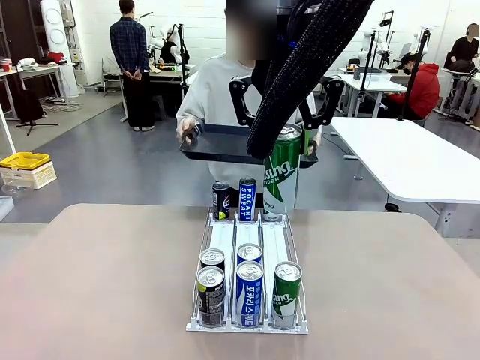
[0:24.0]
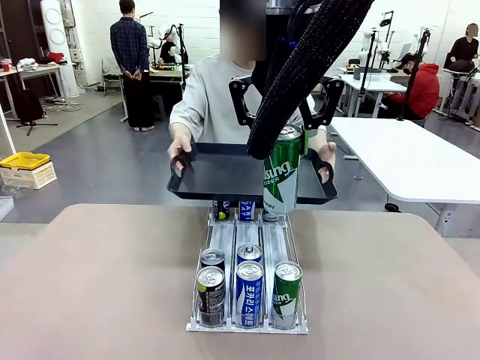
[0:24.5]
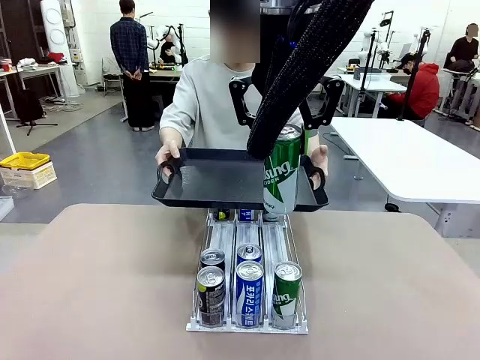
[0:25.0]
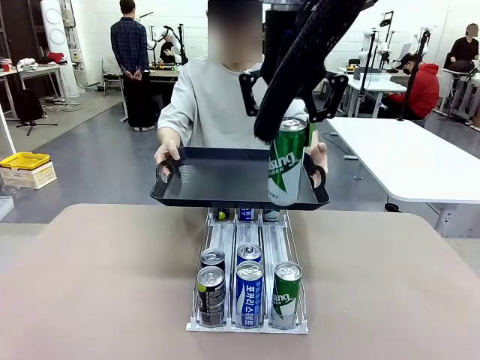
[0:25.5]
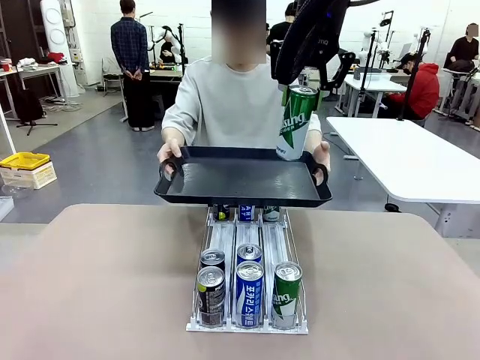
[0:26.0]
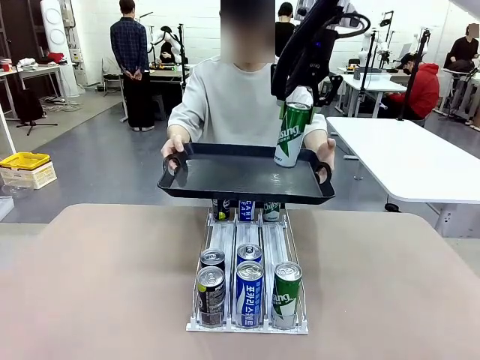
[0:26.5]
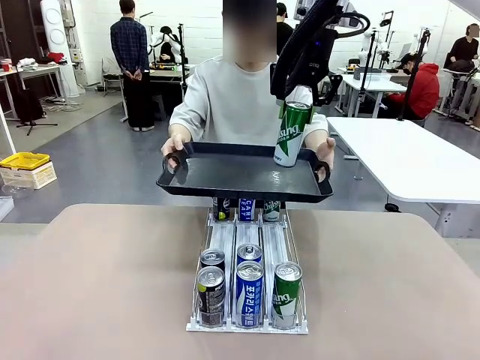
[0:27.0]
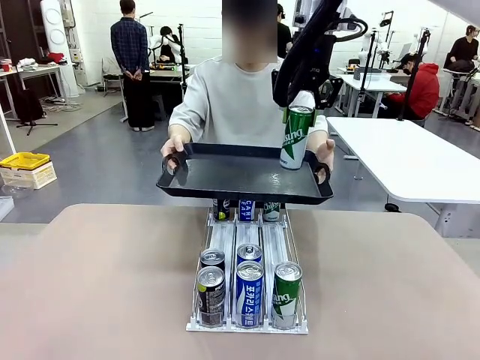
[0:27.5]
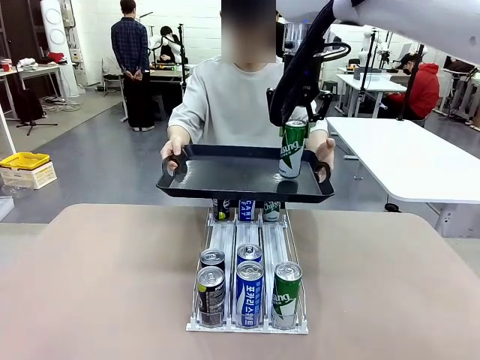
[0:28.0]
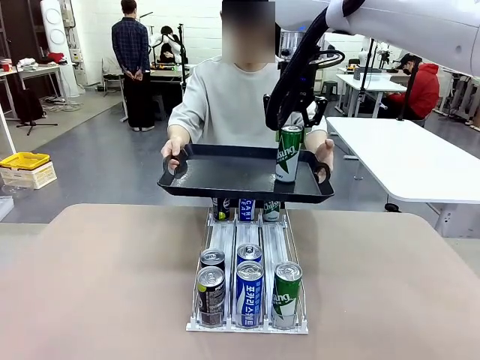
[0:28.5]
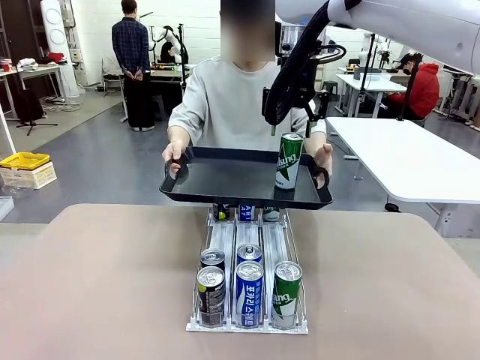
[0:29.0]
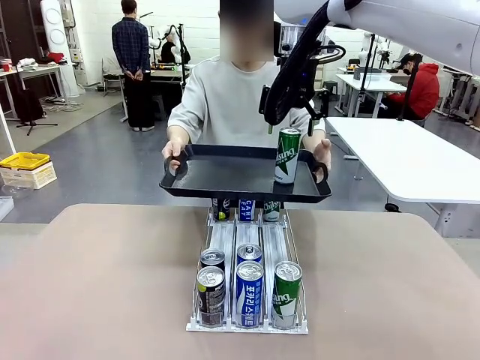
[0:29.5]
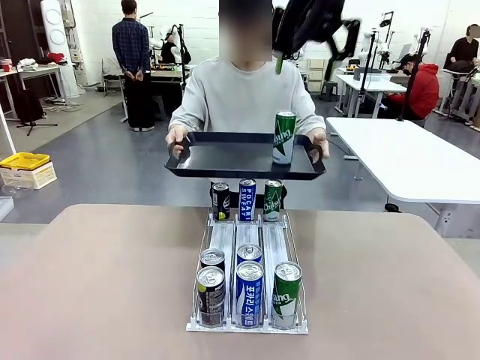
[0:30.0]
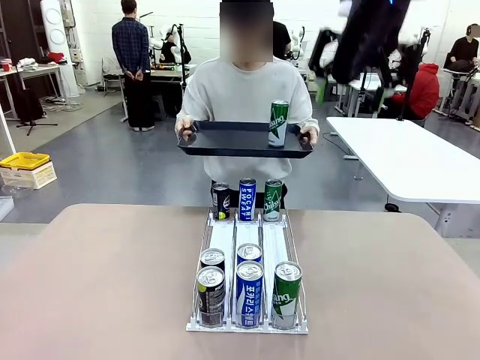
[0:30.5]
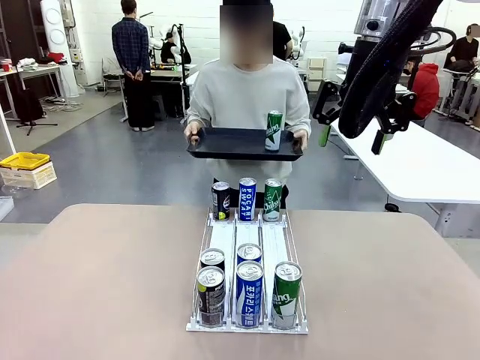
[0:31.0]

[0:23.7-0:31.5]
Task: Retrieve and hand over the desired beverage to the person.
Robot: Place the picked can on the Handle tray extended by the person.

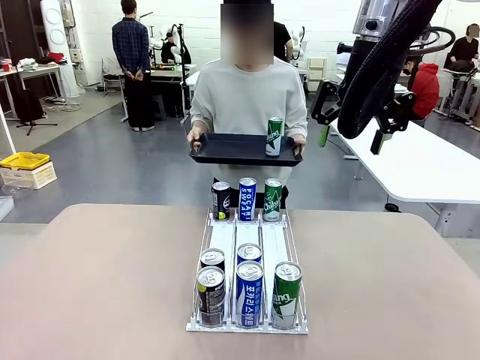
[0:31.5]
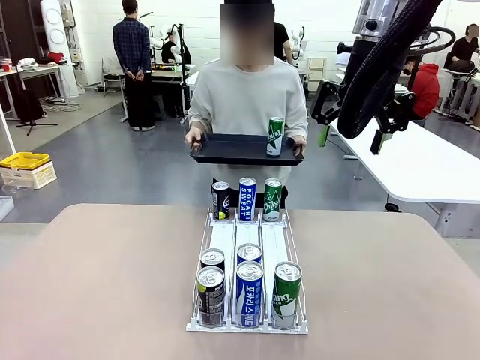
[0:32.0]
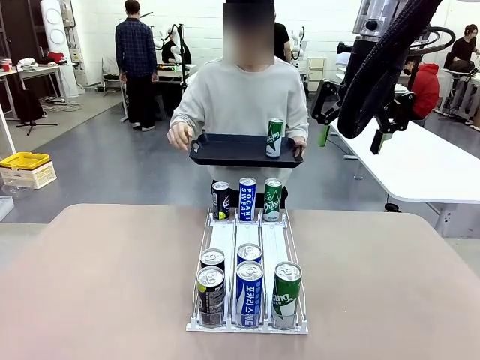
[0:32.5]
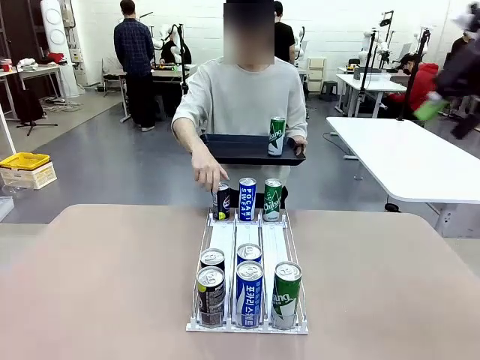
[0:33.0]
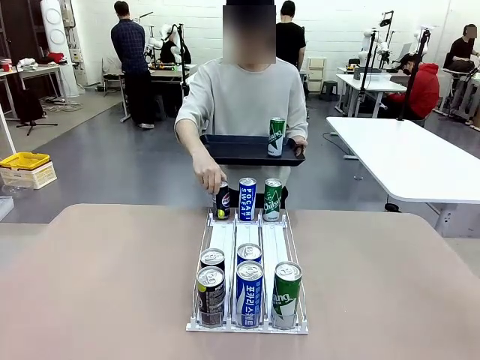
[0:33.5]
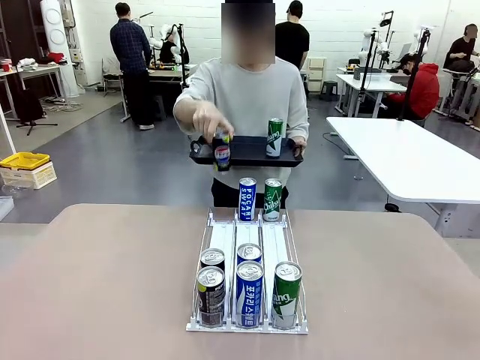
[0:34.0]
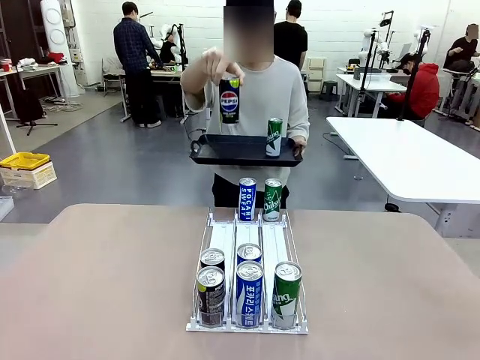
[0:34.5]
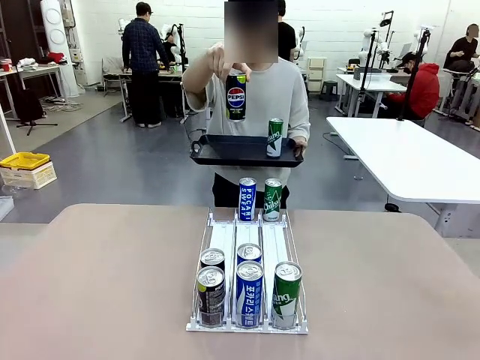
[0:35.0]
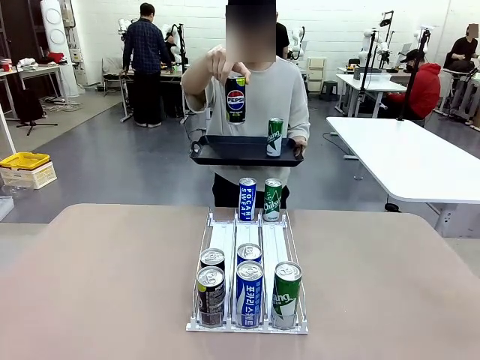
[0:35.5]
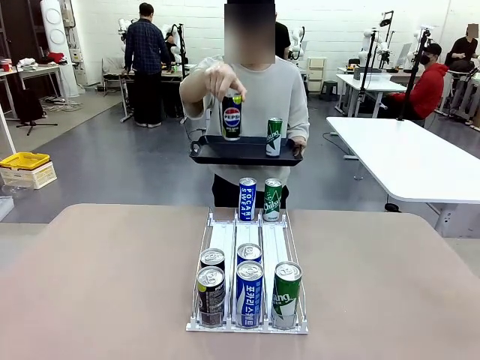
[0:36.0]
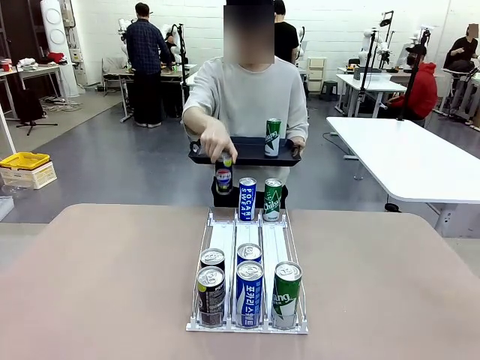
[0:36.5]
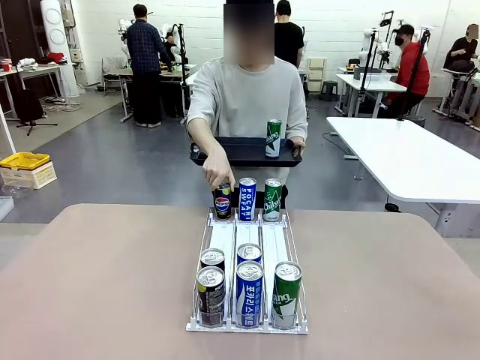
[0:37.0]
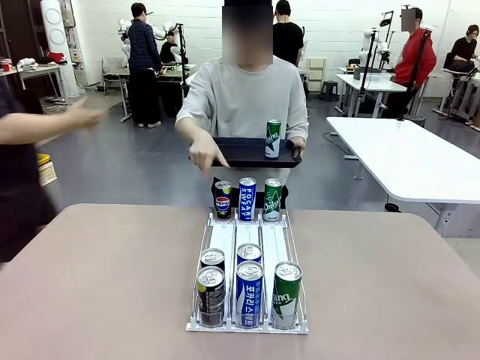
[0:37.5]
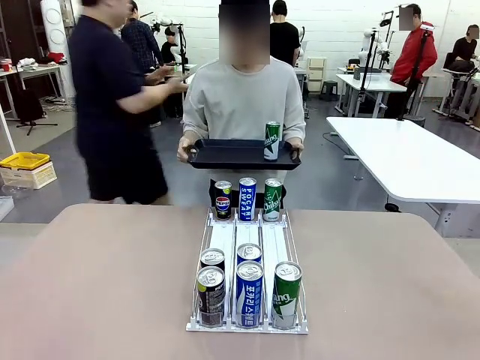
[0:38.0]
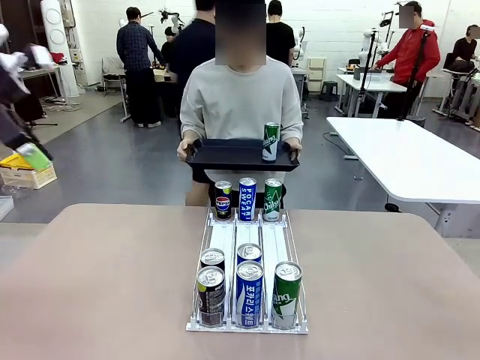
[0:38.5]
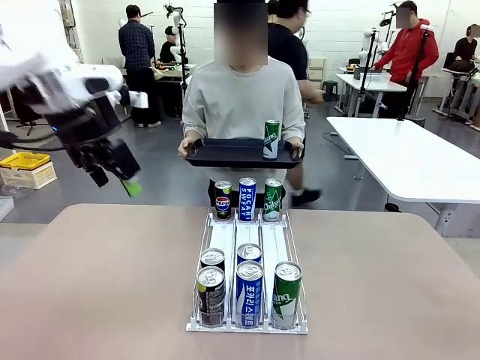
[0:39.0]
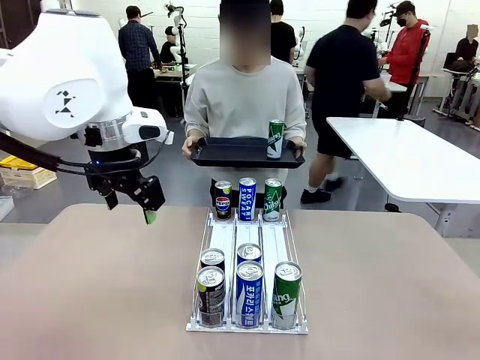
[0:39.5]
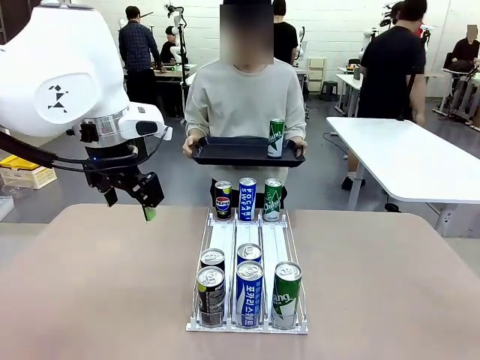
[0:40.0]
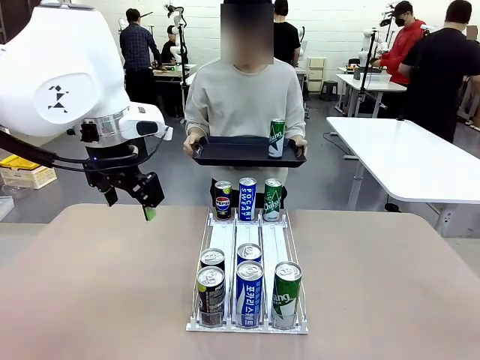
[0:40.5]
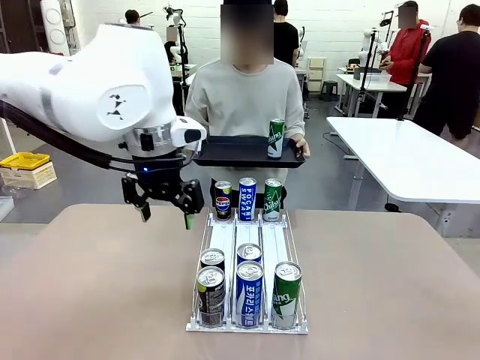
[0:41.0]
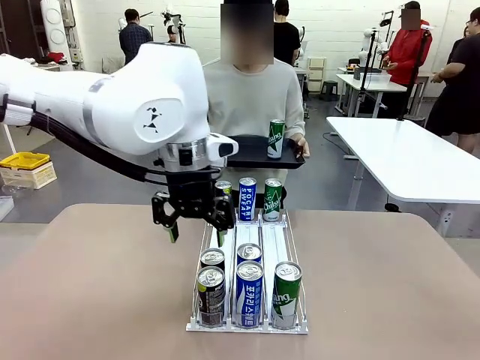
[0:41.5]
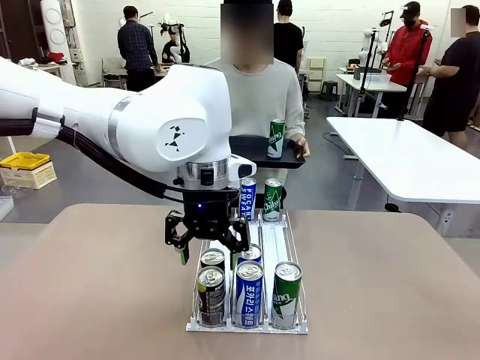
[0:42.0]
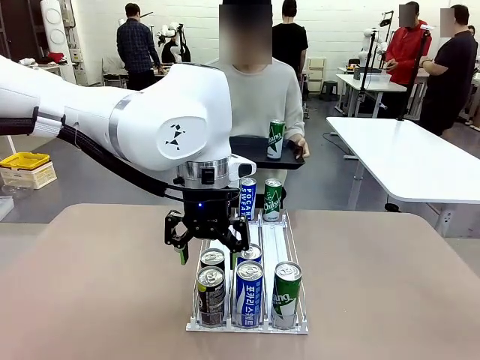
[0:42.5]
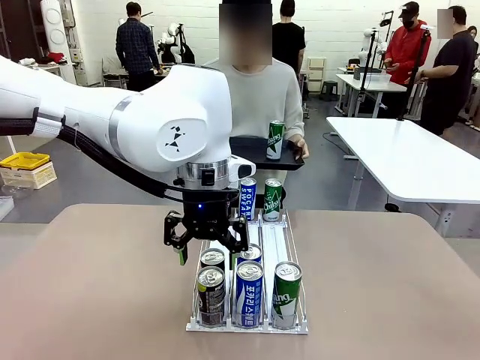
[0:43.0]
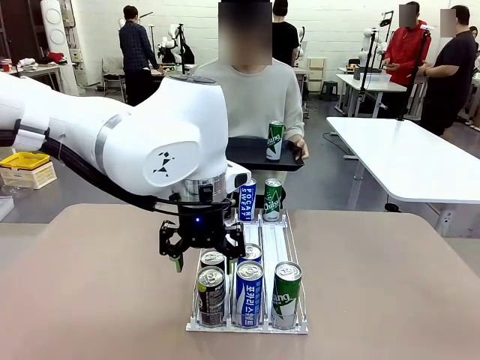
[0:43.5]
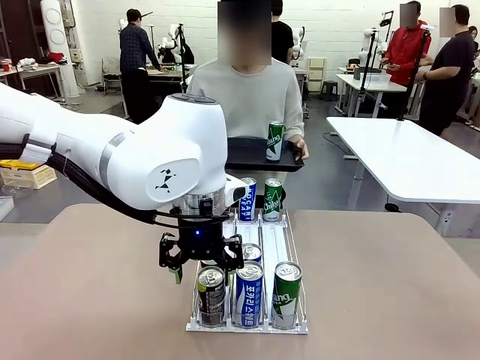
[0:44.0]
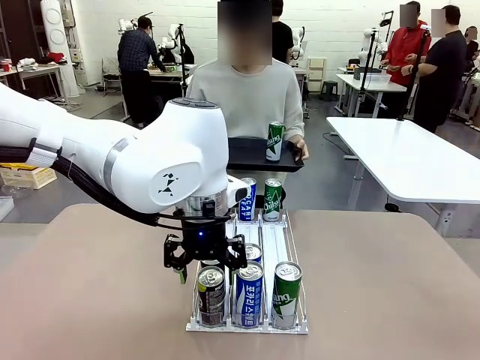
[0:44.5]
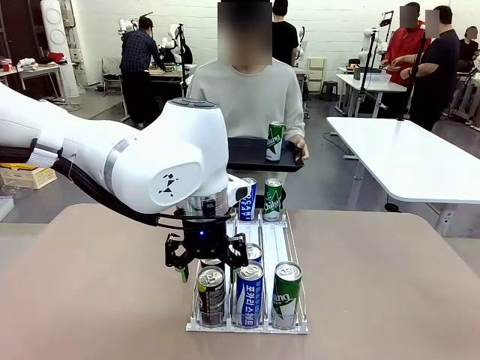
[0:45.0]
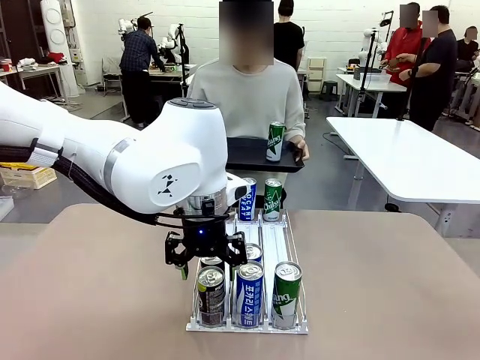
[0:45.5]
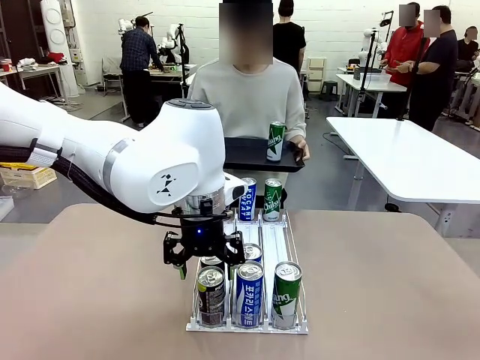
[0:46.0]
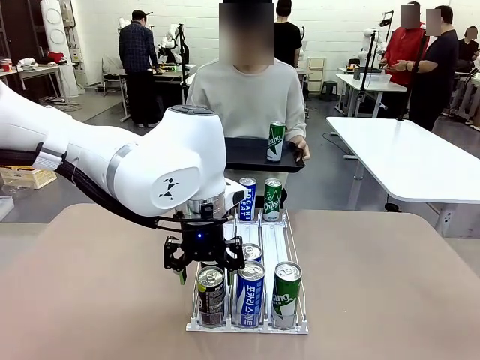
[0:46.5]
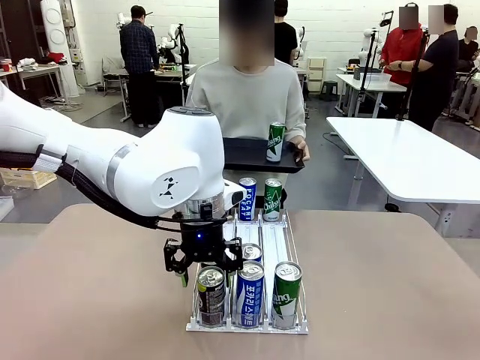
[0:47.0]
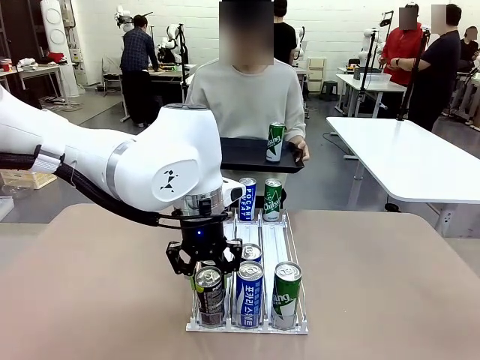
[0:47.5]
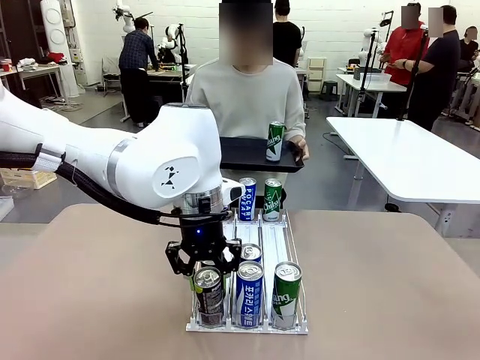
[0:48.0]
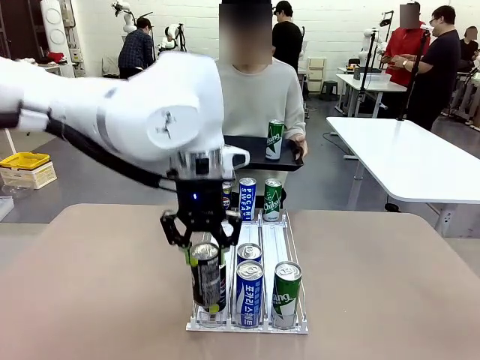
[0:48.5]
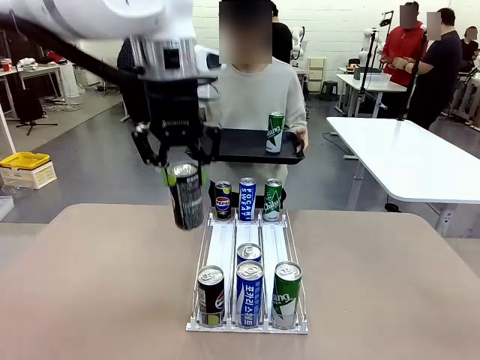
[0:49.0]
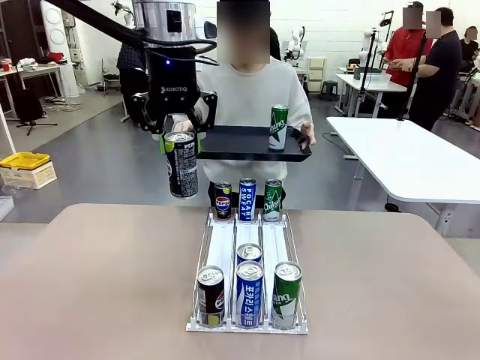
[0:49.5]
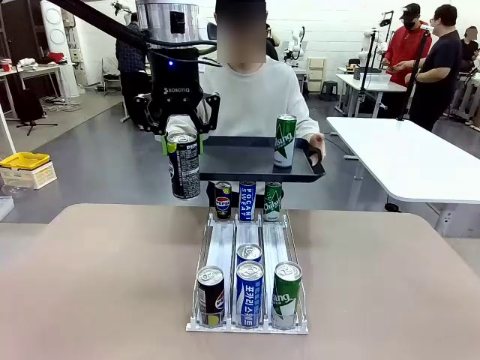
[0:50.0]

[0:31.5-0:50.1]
Robot: Pick up another can of the same type that the person held from the Automatic Can Dispenser.
Person: Pull the tray back, then pick up another can from the bottom area of the table and puts it back in its original place. Push the tray toward the robot again.
